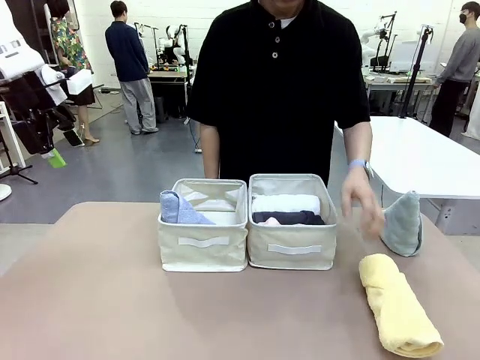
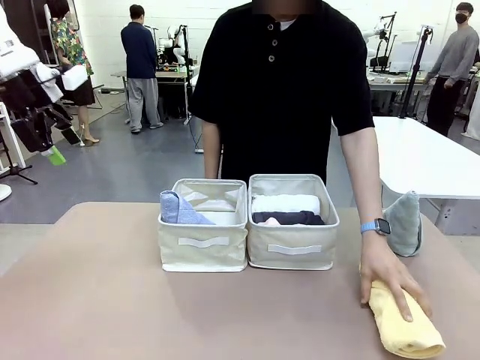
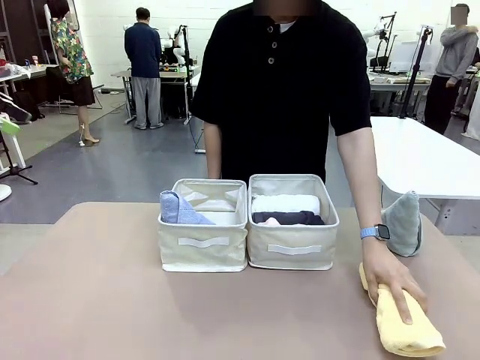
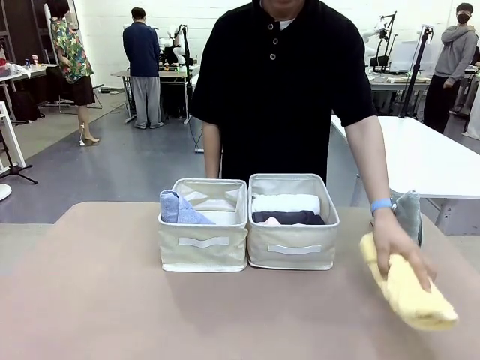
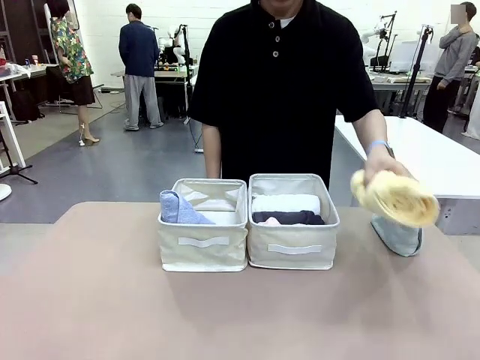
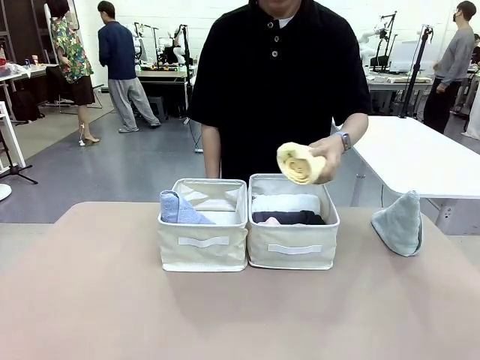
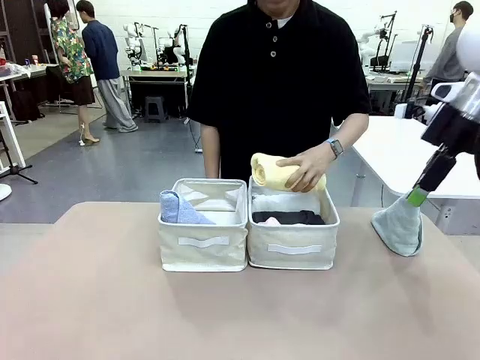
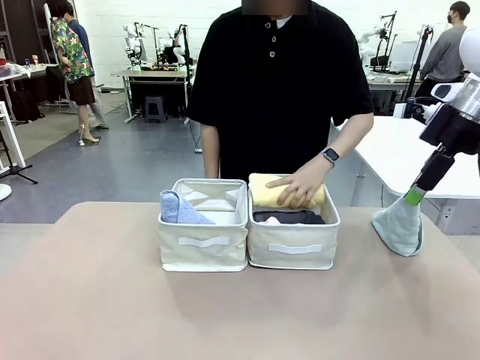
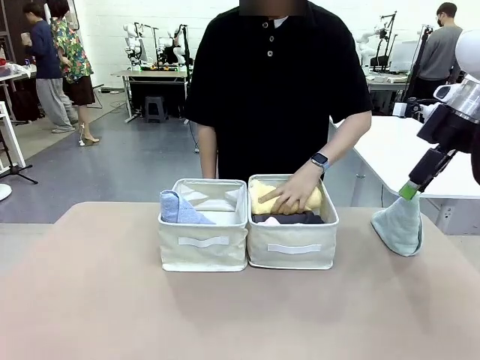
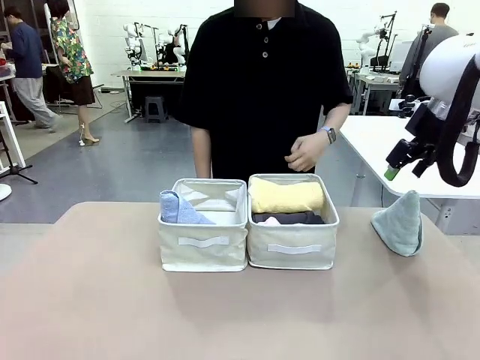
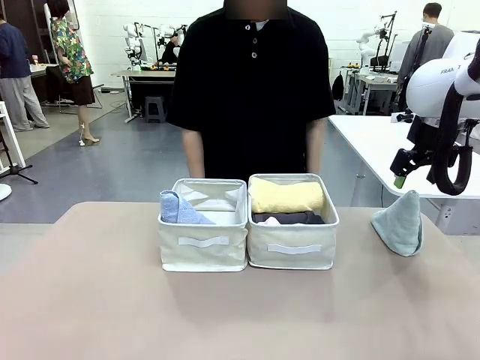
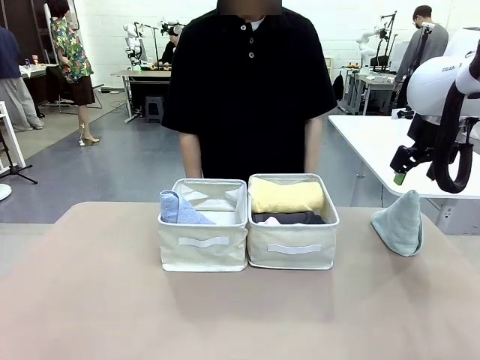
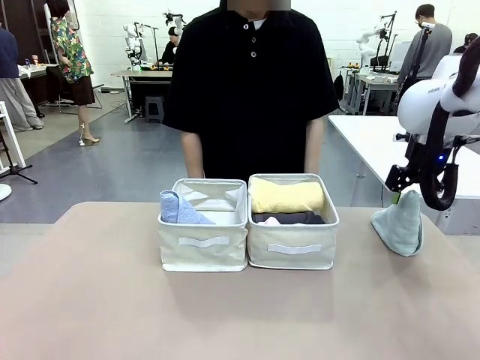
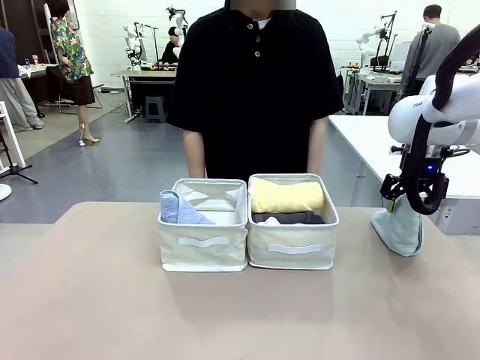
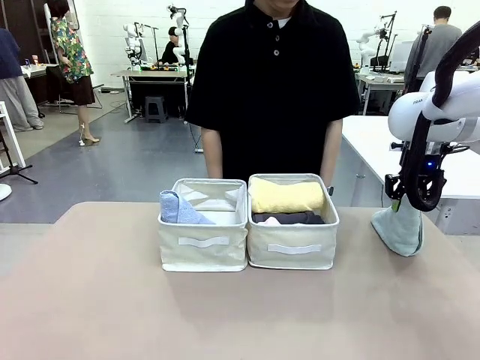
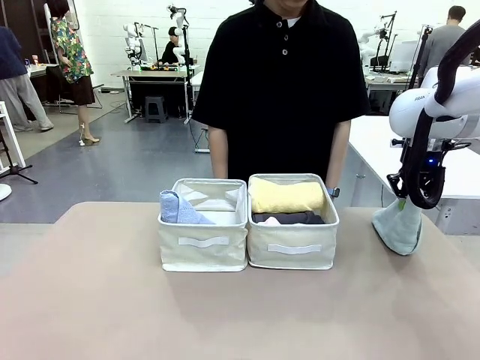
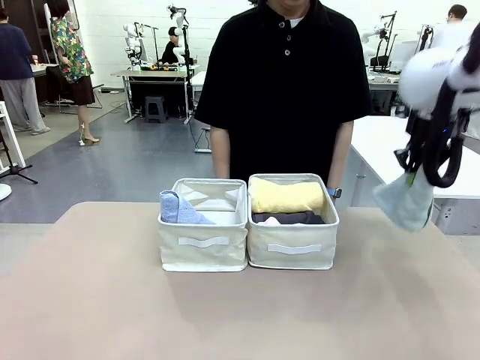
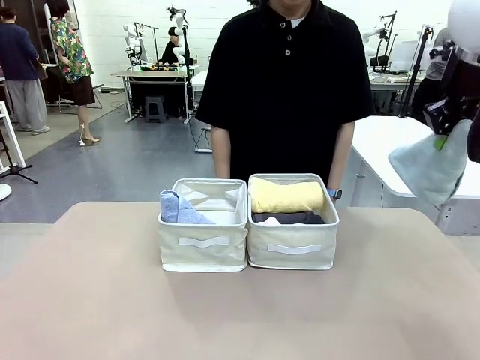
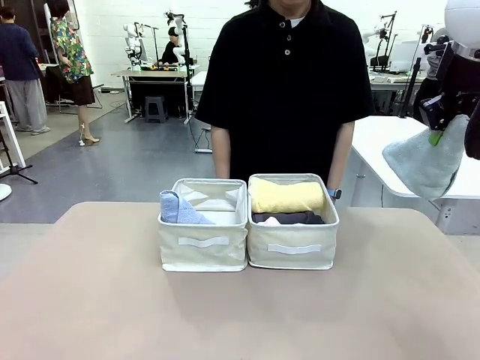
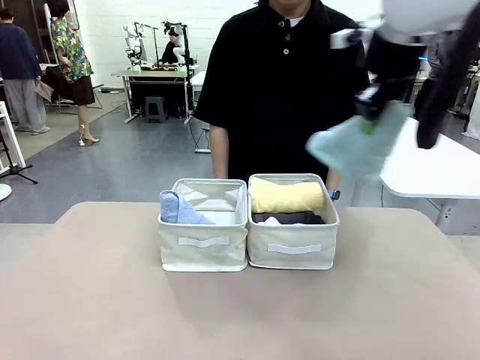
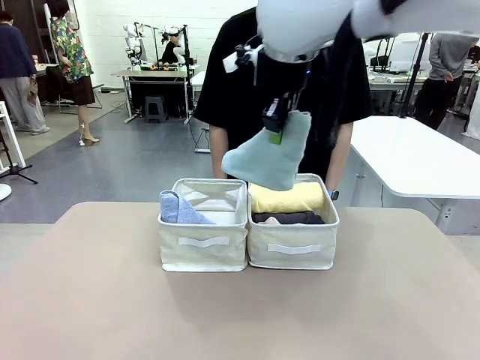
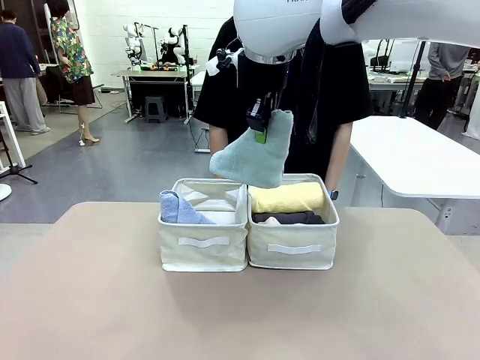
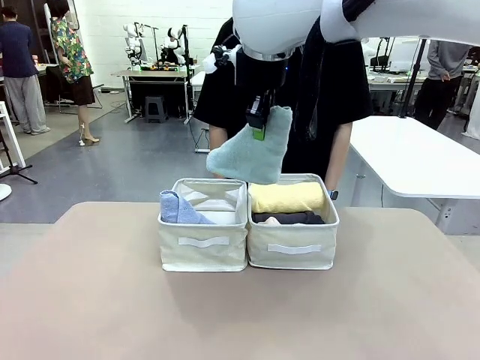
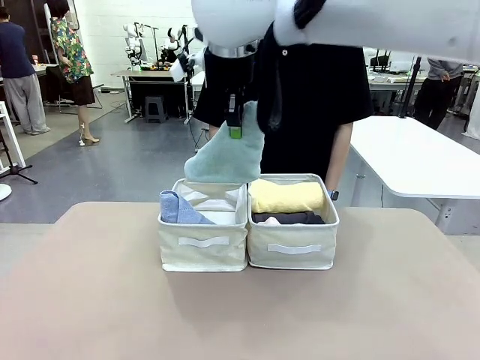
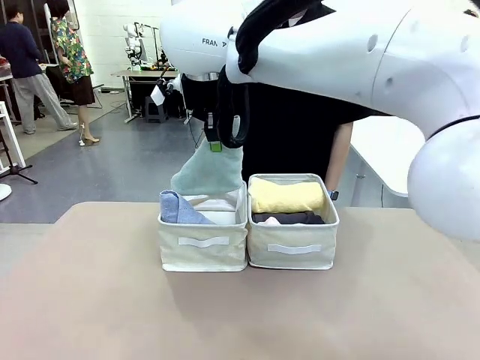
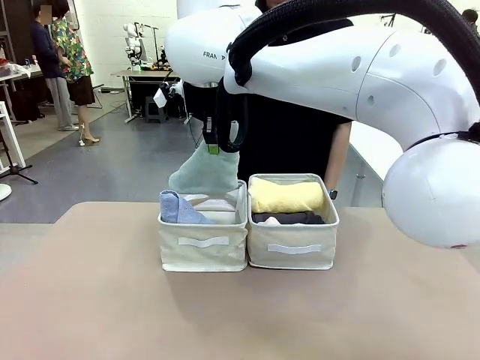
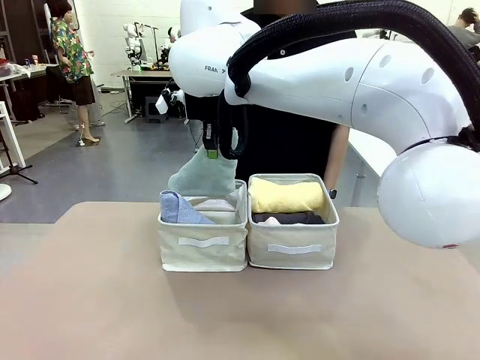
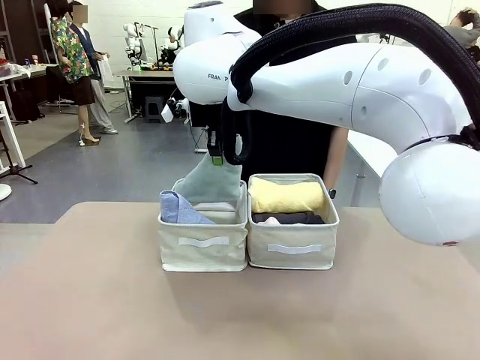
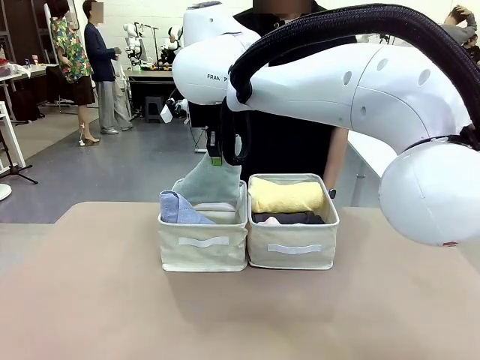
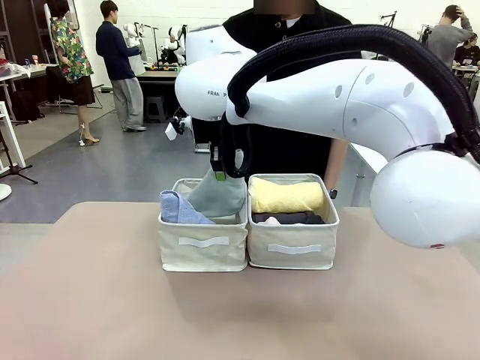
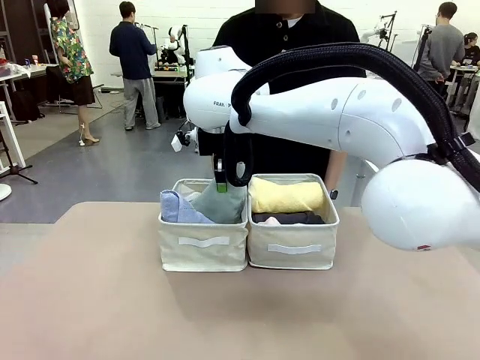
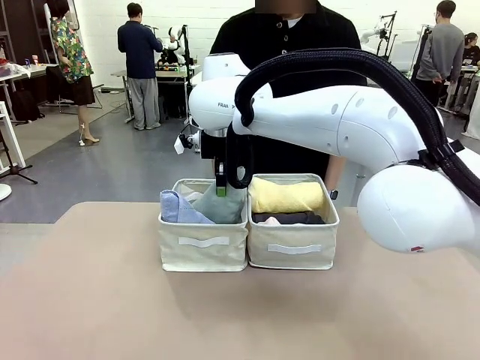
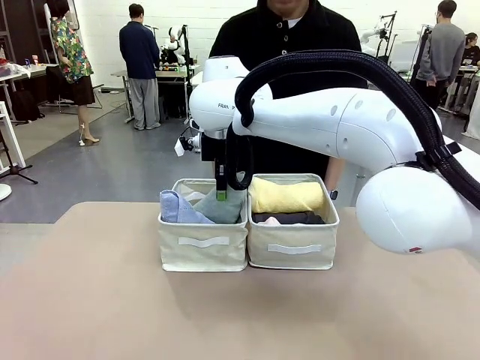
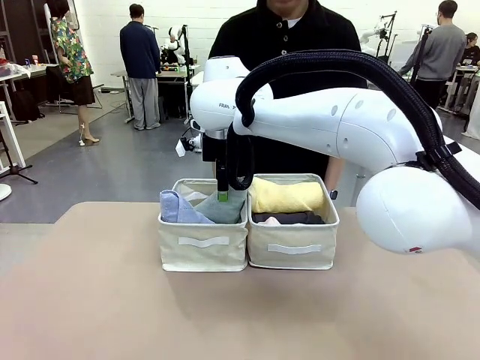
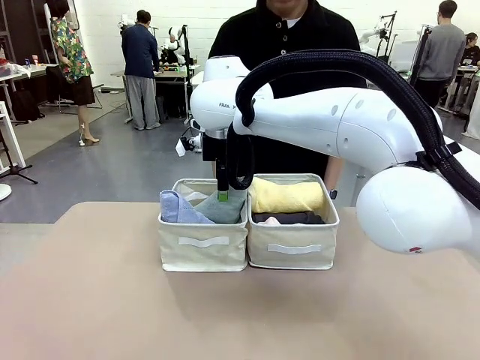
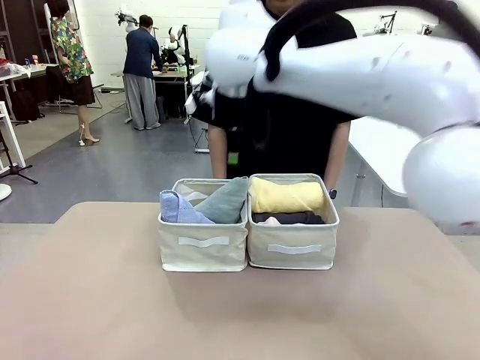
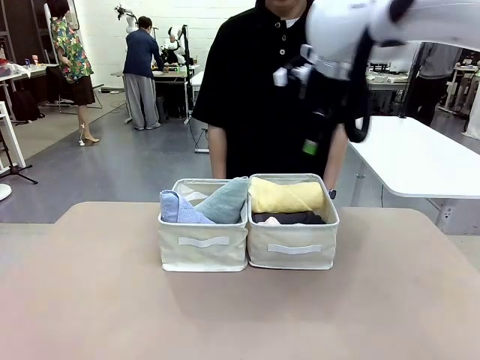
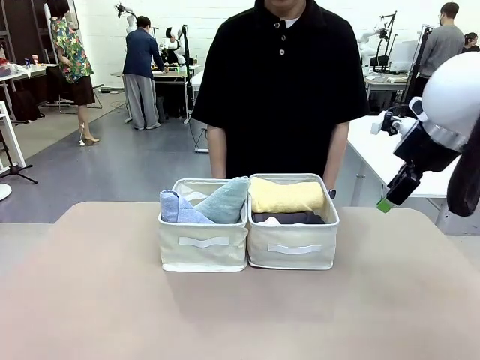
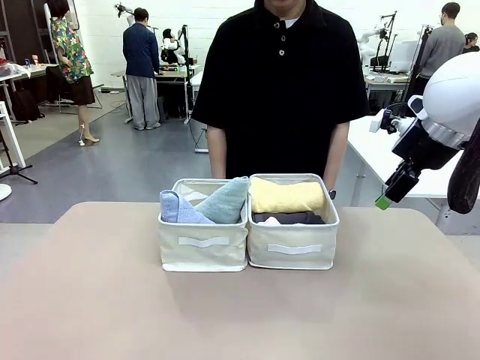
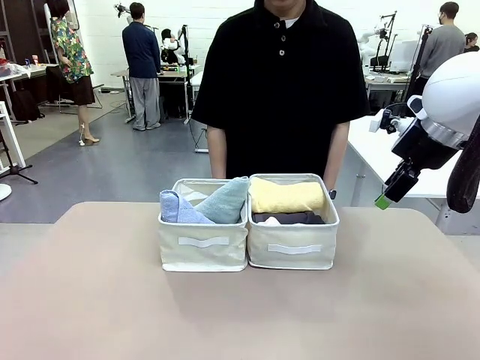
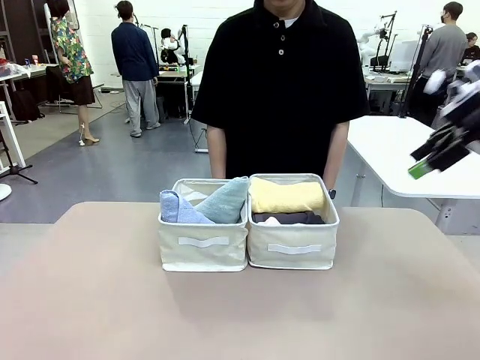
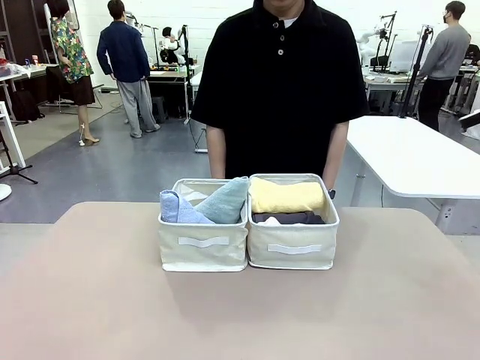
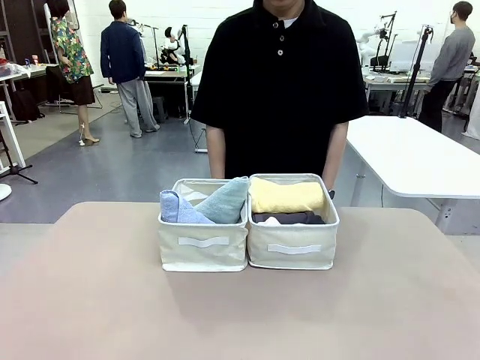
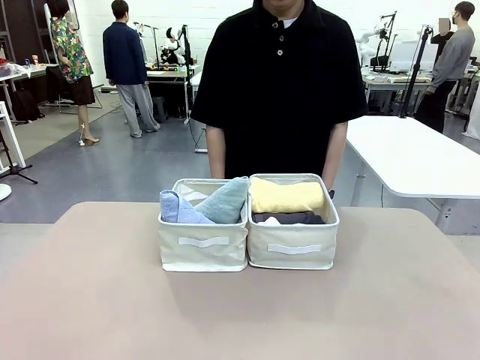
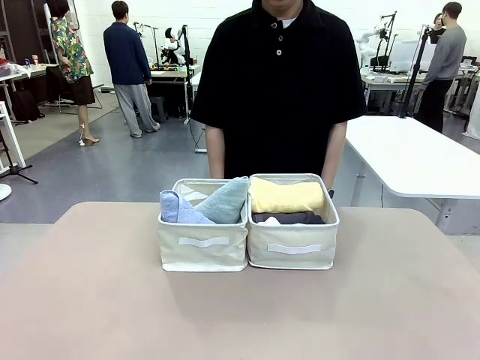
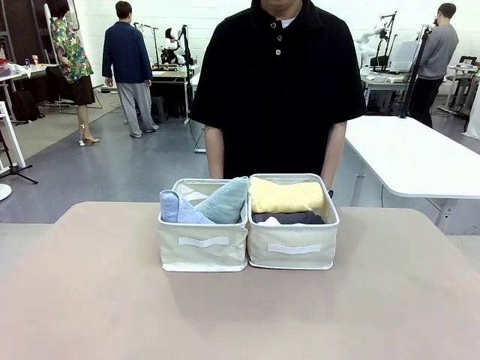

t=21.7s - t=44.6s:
Task: Sort the towels based on their folding style.
Robot: Pick up another triangle-folded towel from the table and place it in the left Fabric basket.
Person: Pick up one hotel-style rolled towel from the table and place it in the left fabric basket.

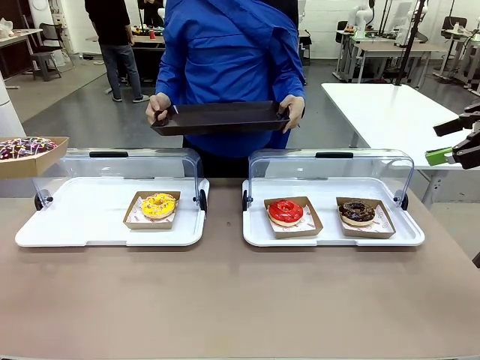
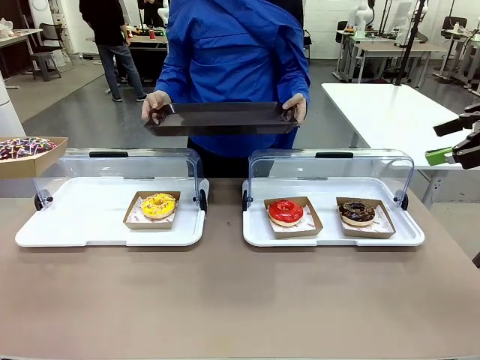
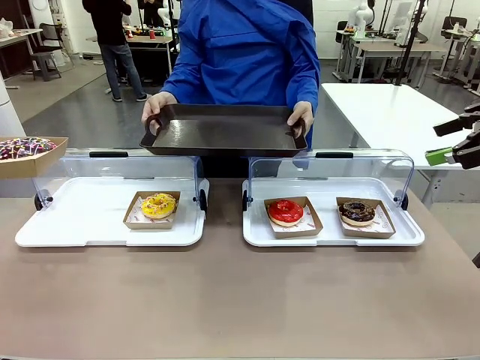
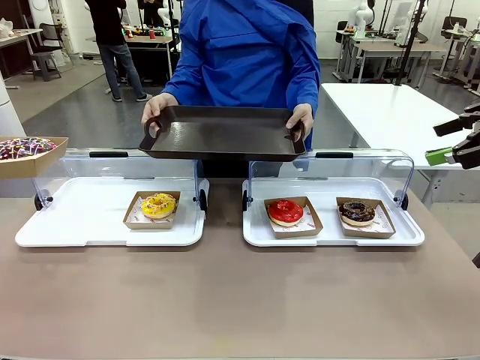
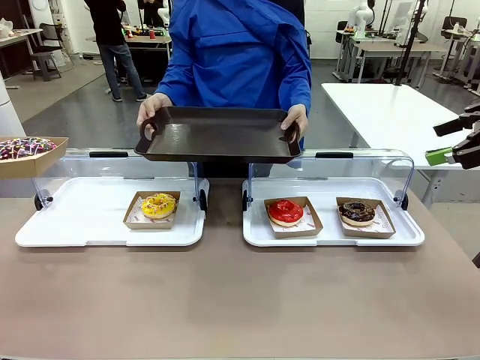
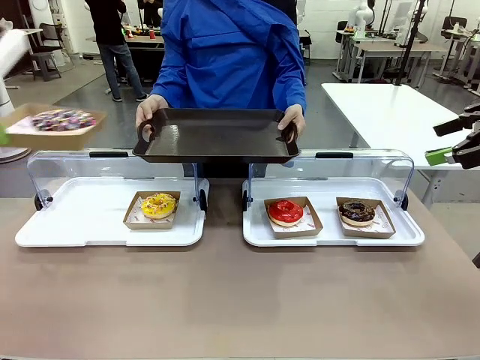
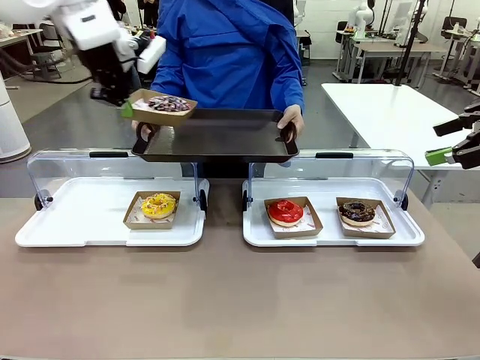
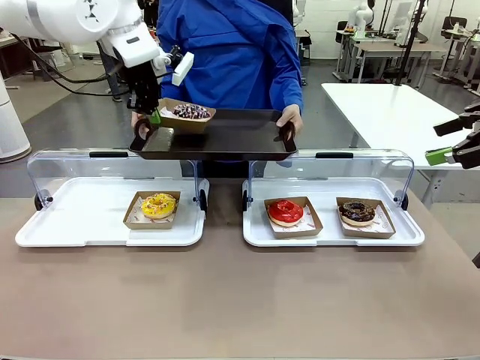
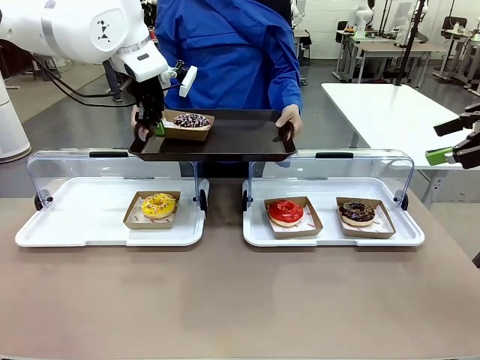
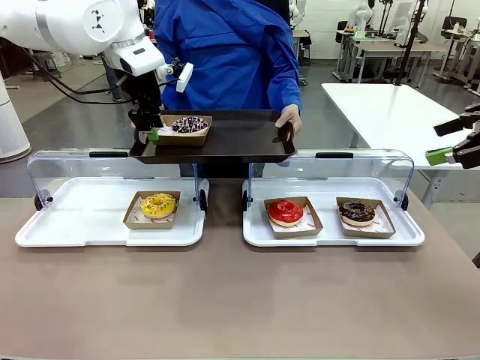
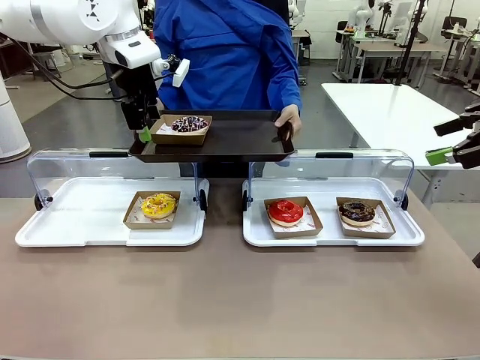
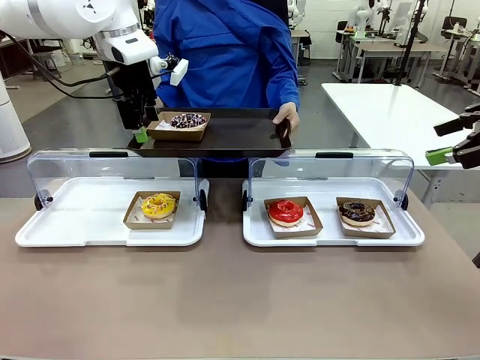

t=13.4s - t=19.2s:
Task: Provide the desired donut to the person.
Robot: Place the picked Paper togo box onto the Handle tray extended by the person.
